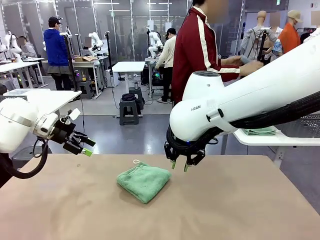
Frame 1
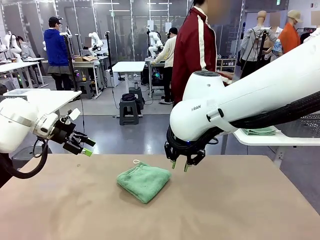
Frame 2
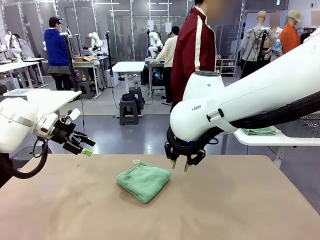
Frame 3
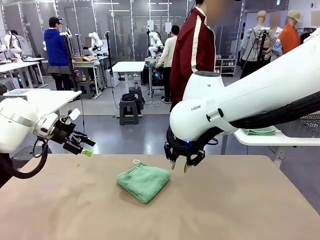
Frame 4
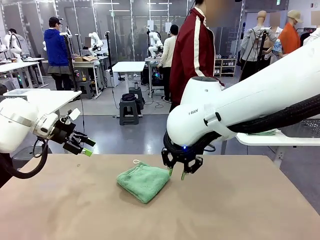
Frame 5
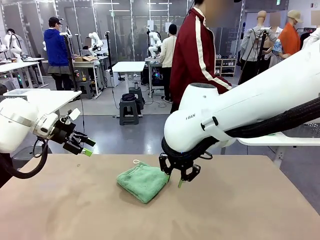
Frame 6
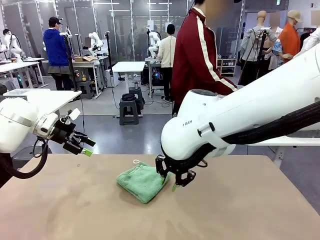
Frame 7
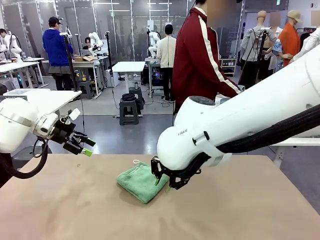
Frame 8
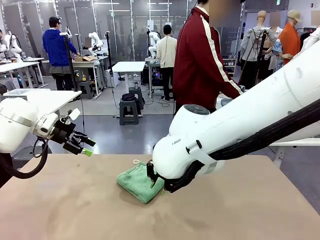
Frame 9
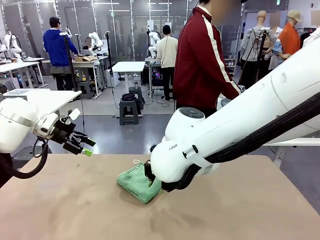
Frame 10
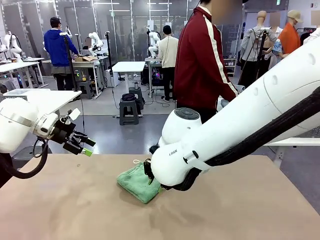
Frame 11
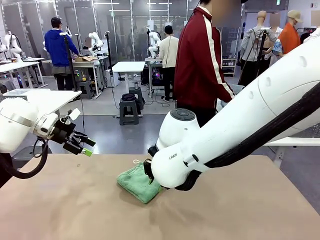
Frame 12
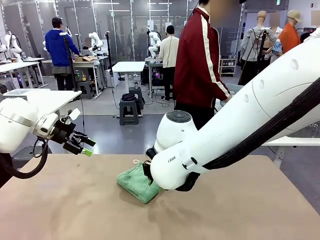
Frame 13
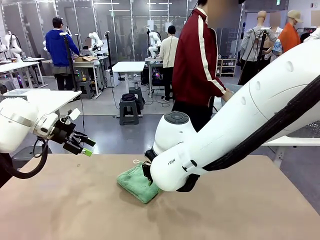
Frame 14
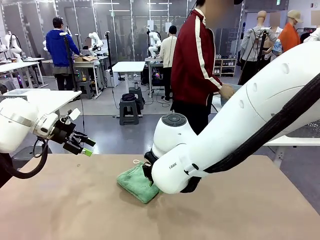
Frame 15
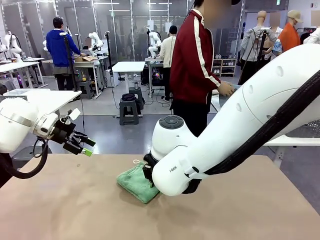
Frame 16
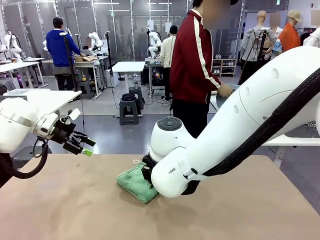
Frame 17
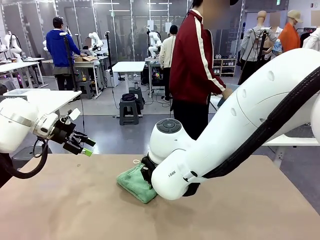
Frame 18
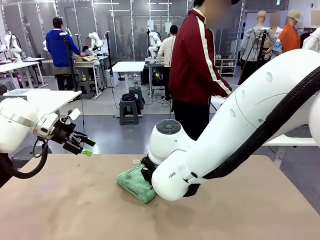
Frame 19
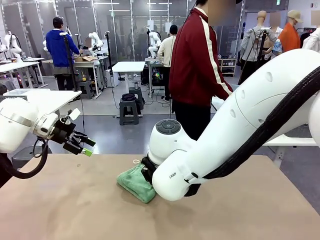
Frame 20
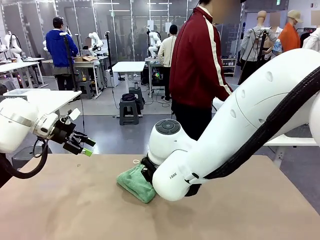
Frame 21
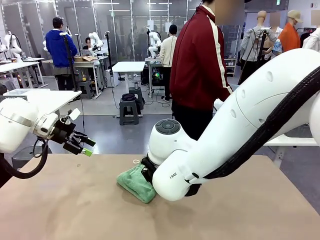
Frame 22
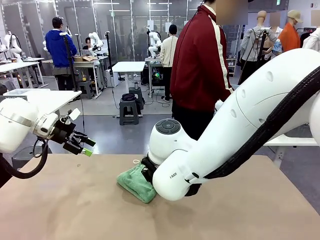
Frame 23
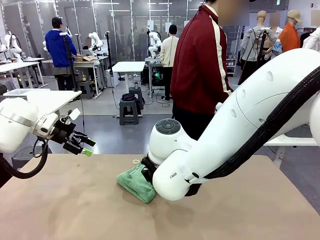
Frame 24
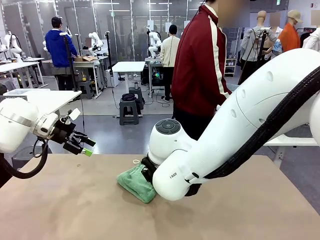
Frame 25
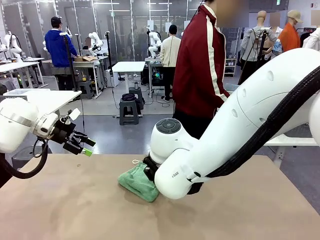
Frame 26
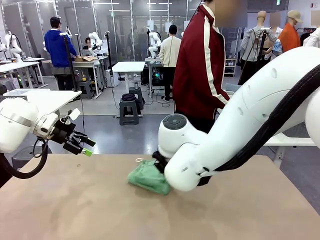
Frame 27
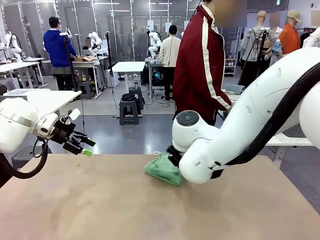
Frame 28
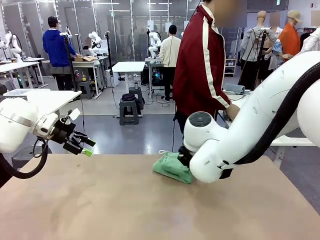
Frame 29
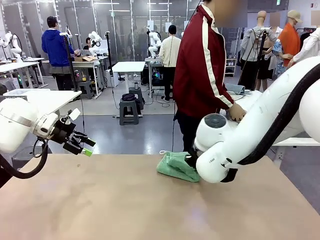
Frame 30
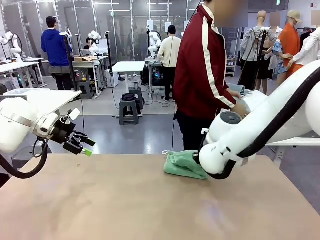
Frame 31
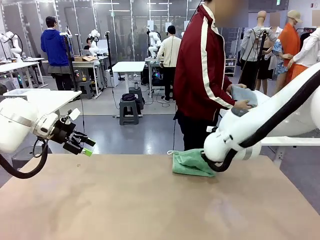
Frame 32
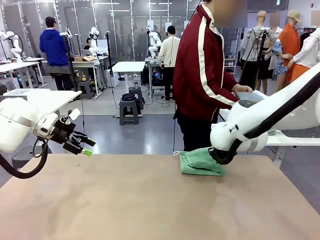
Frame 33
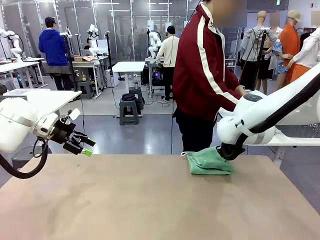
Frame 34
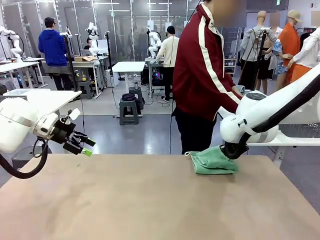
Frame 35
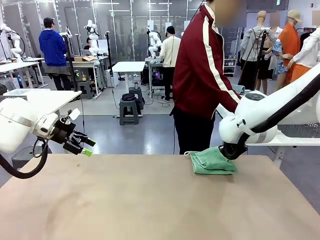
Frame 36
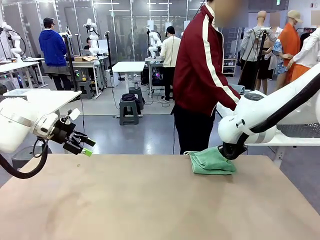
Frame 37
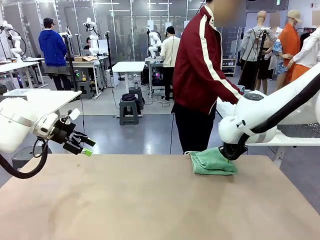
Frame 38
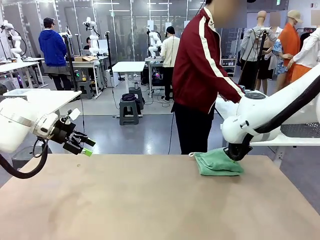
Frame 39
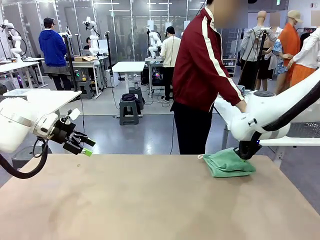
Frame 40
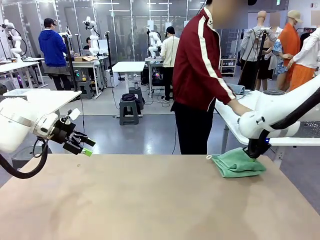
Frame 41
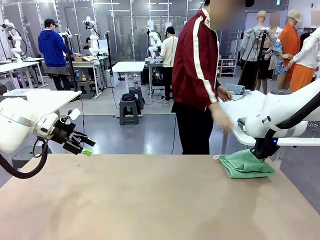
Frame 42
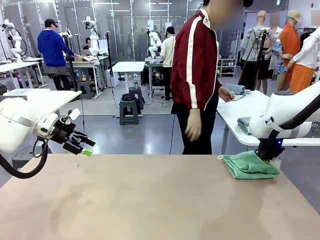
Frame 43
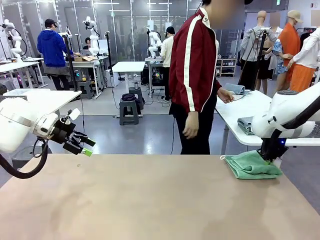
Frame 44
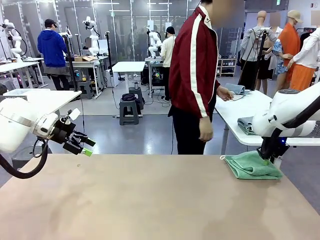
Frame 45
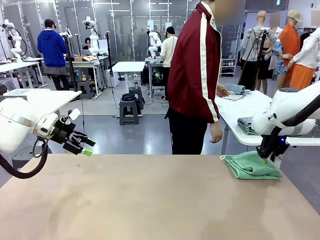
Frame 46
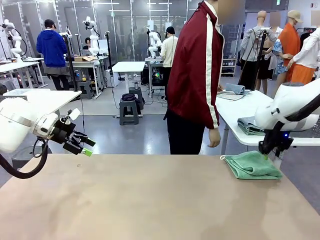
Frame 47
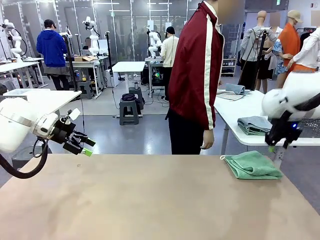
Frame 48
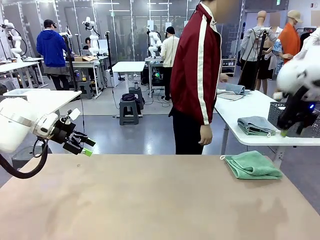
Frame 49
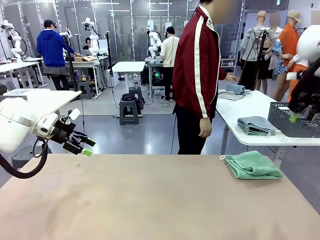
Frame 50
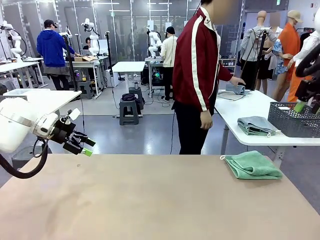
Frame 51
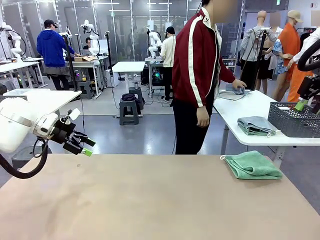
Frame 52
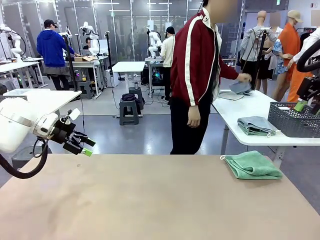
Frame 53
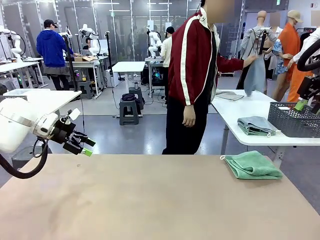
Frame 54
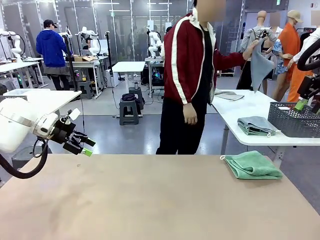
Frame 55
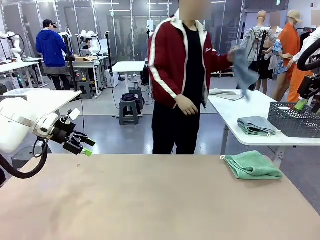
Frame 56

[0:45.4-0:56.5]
Task: Fold the towels and place them in the basket.
Robot: Place the folded Towel with hook on the right side of the table.
Person: Pick up one towel from the left side of the human table, fold it in half twice, and stack it on the right side of the table.

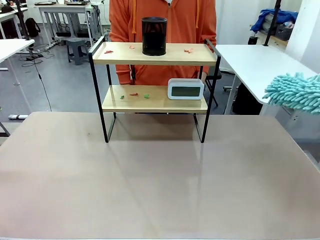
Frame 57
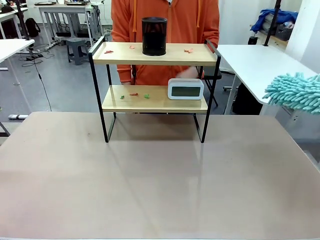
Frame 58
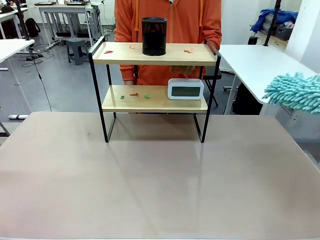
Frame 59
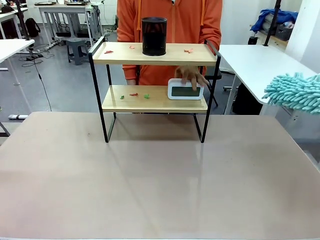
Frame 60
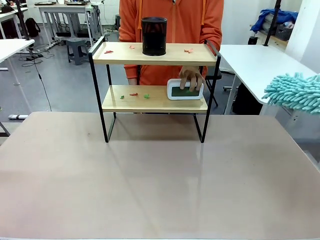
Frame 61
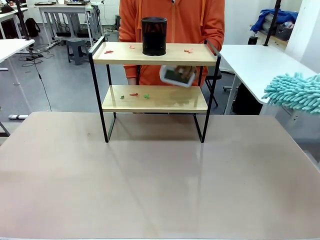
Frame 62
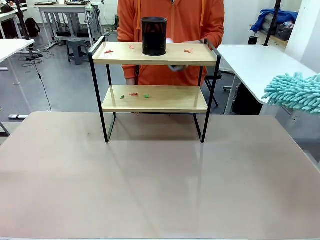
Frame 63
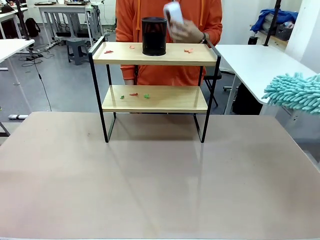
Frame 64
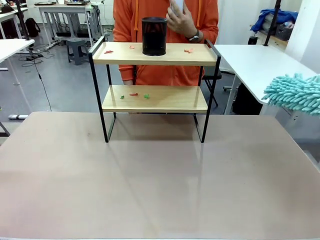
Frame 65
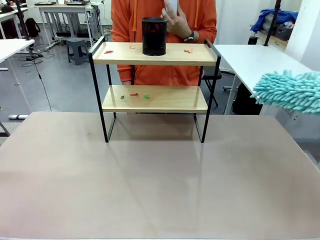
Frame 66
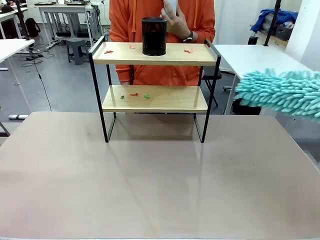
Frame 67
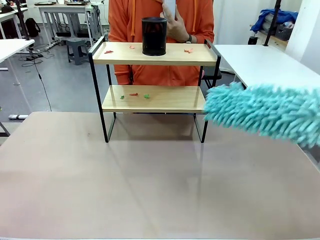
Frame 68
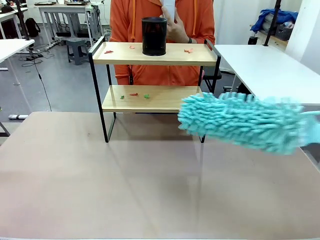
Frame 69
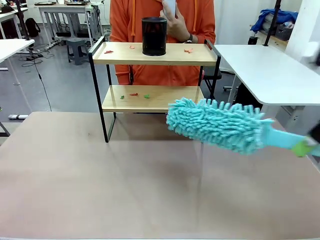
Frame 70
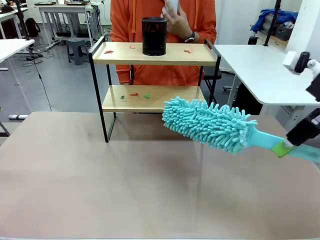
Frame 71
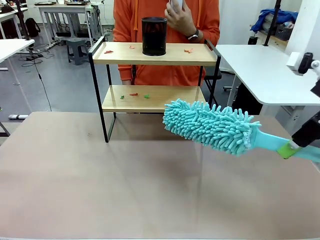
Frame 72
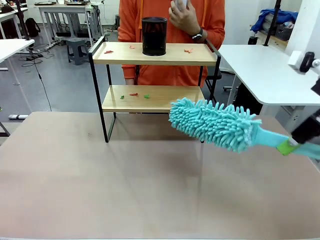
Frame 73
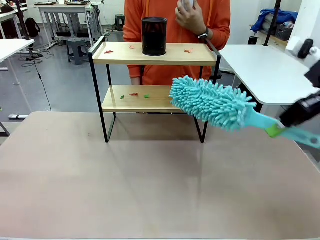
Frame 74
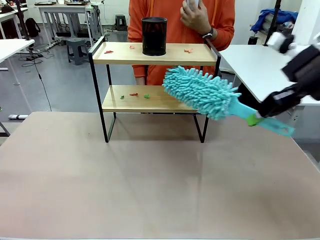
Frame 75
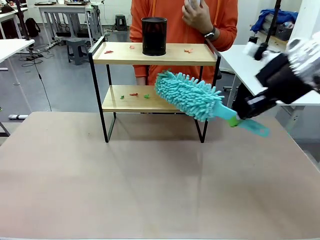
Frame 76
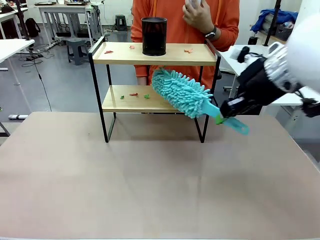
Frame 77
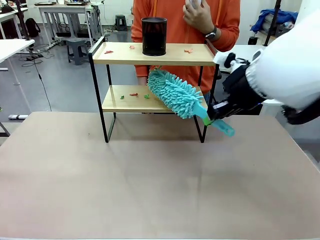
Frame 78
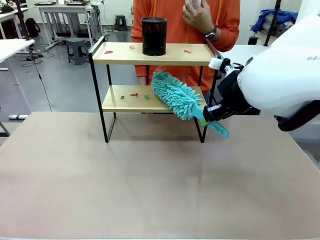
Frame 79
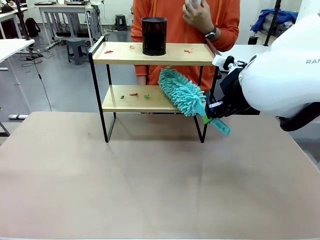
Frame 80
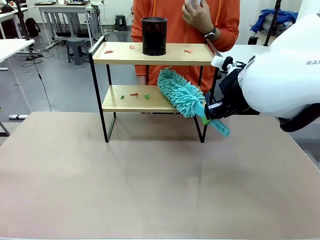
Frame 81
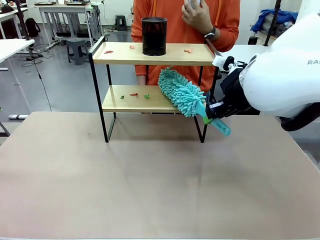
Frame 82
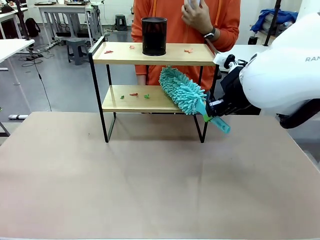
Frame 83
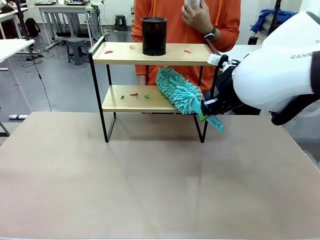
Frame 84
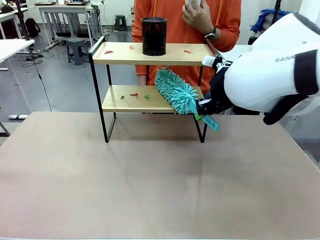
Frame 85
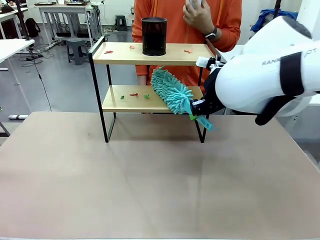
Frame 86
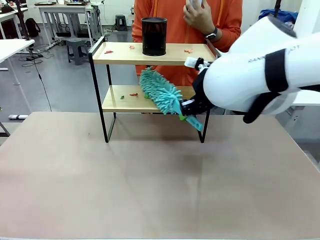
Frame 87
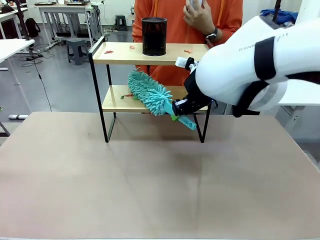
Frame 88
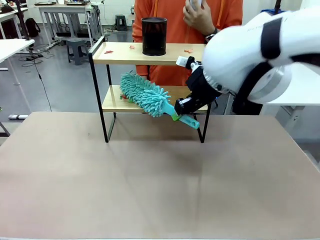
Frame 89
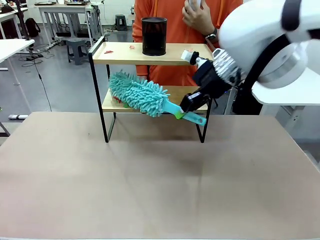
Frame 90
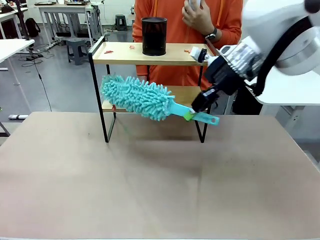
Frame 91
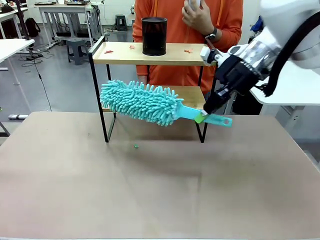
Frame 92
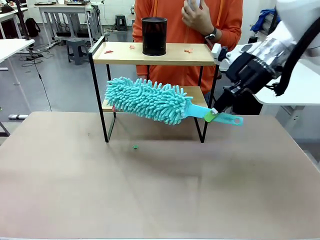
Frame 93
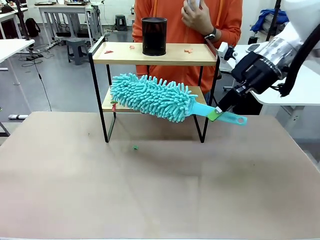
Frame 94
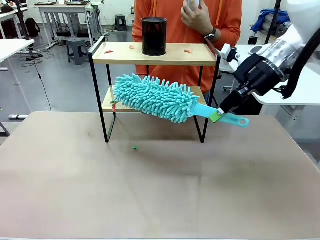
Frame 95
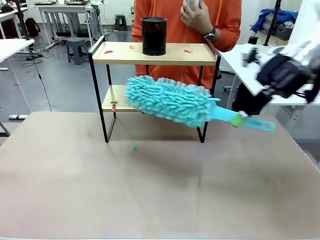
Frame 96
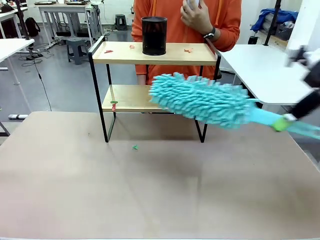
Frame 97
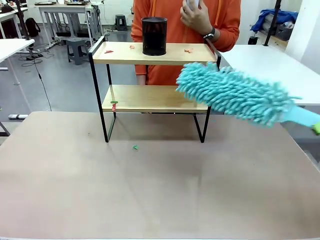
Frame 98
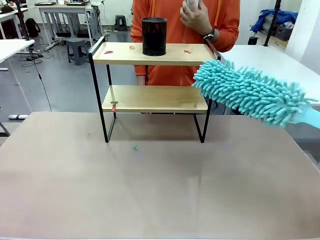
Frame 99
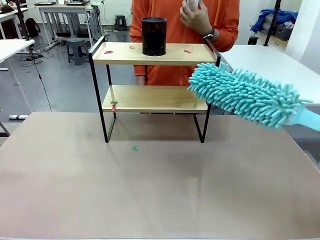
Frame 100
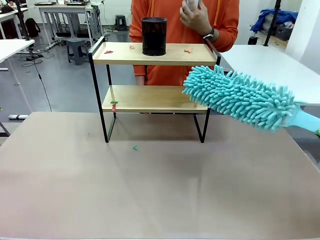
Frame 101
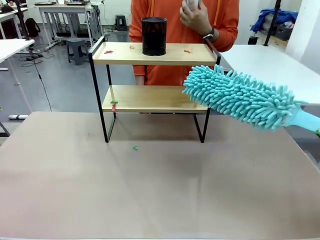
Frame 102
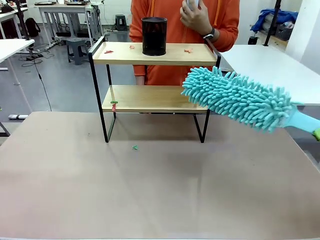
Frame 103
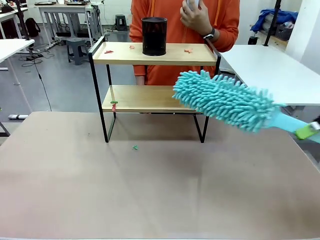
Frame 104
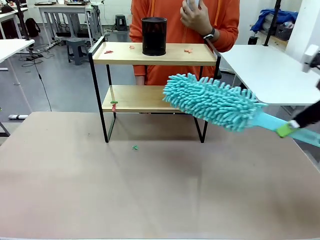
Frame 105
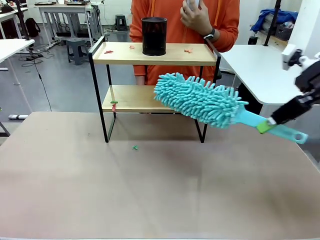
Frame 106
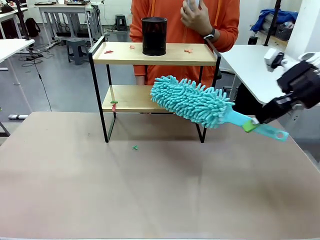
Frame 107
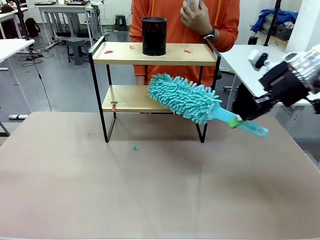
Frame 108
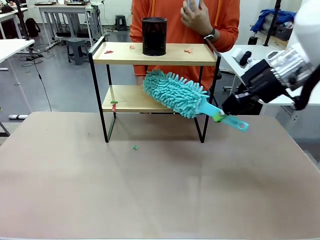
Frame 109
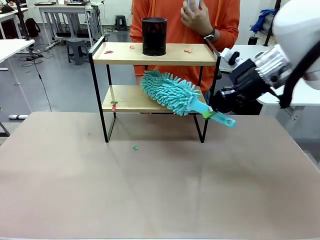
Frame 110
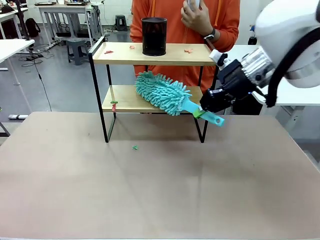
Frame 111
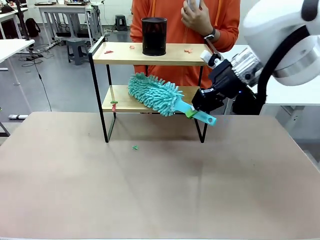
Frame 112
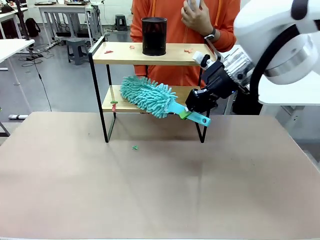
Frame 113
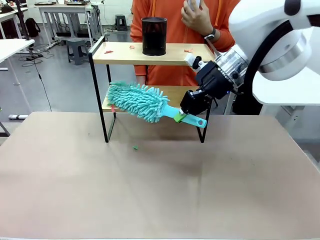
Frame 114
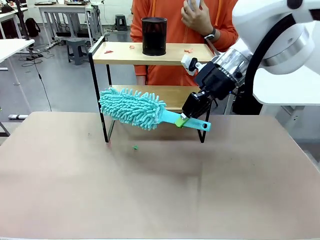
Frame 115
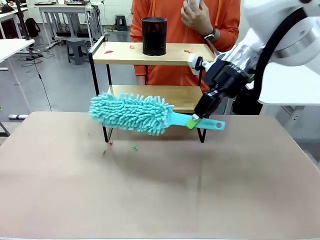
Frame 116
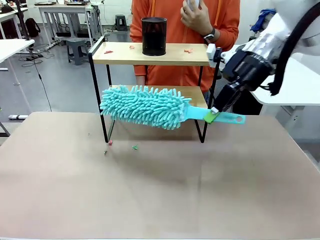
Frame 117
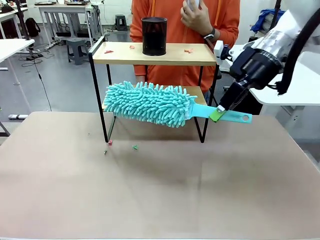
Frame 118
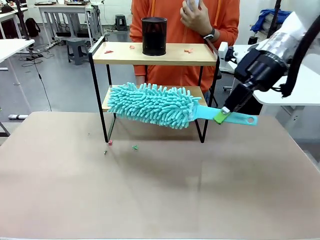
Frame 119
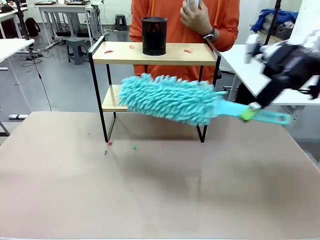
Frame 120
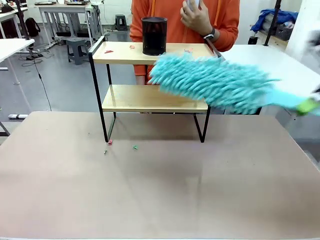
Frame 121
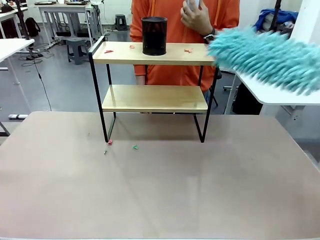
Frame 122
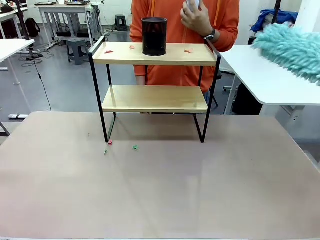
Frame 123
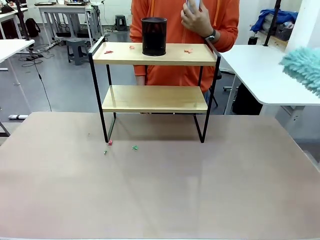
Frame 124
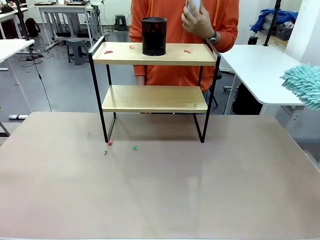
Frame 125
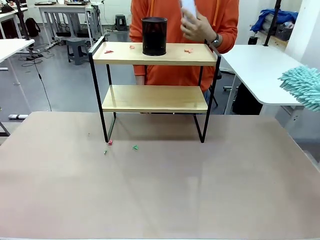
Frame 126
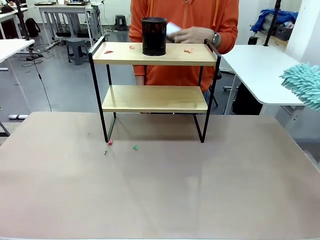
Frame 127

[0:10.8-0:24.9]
Task: Clean the shelf.
Robot: Clean the specific tier of the Shelf with the Duster once objects are removed.
Person: Lift the objects on a randomly selected tier of the Shelf. Once the robot finishes cleaning, lift the objects on the remaining tiers of the Shelf.
